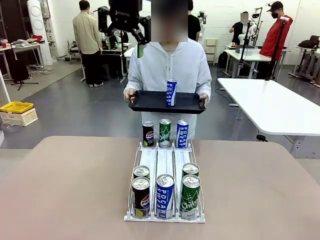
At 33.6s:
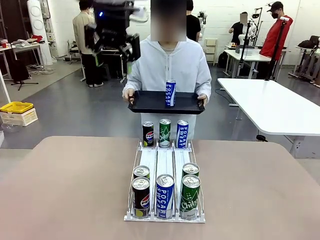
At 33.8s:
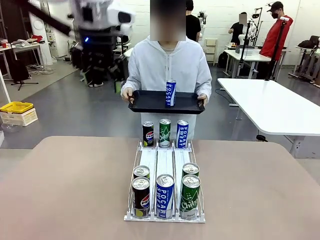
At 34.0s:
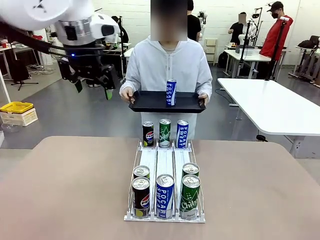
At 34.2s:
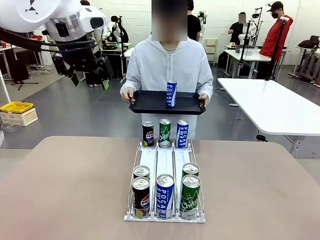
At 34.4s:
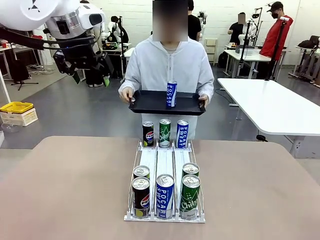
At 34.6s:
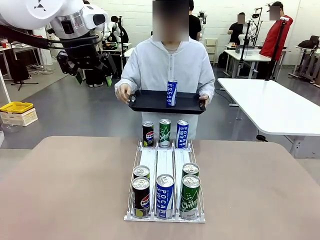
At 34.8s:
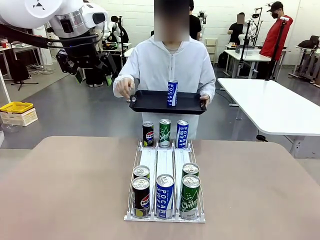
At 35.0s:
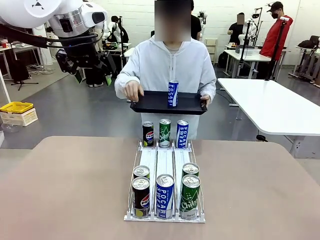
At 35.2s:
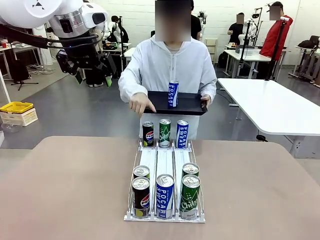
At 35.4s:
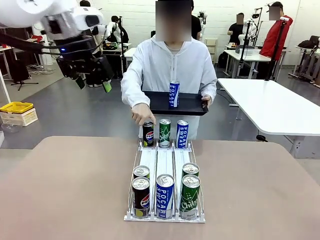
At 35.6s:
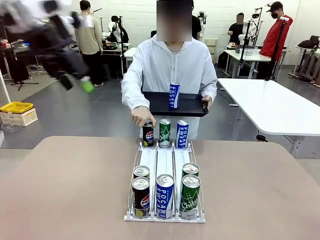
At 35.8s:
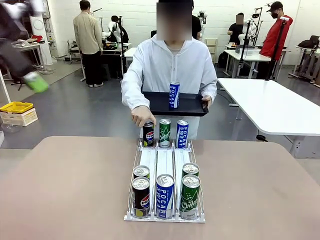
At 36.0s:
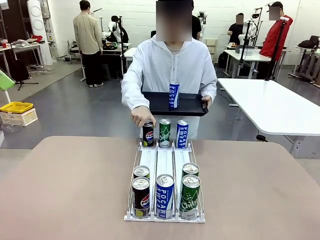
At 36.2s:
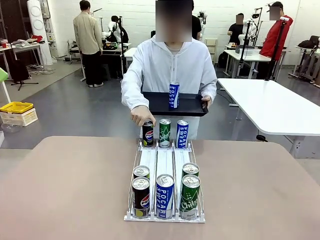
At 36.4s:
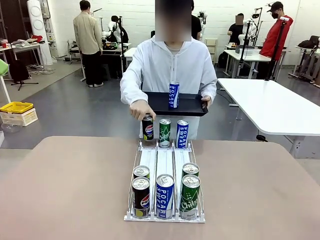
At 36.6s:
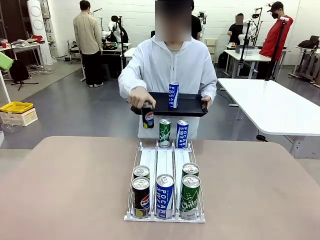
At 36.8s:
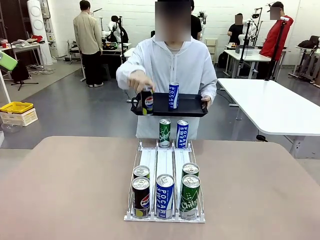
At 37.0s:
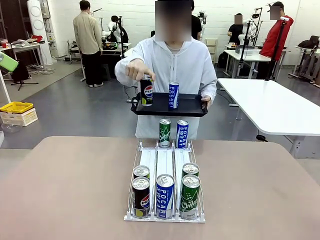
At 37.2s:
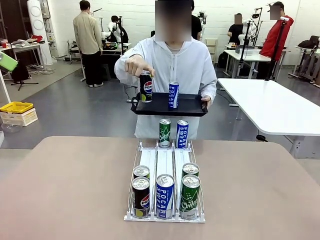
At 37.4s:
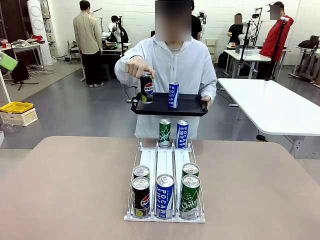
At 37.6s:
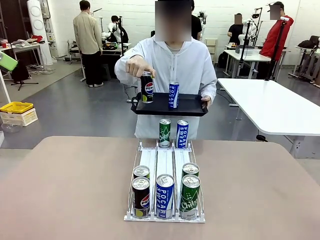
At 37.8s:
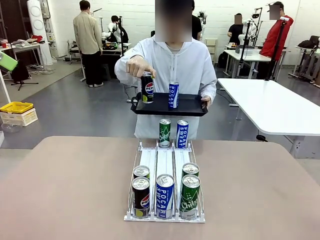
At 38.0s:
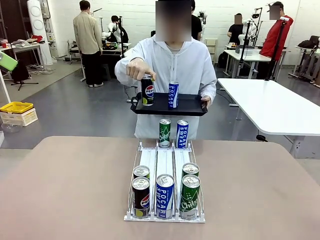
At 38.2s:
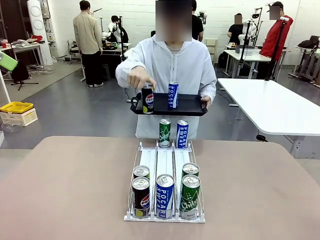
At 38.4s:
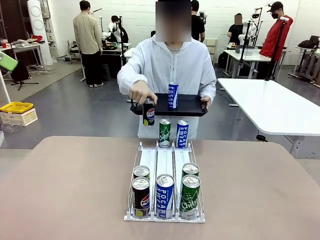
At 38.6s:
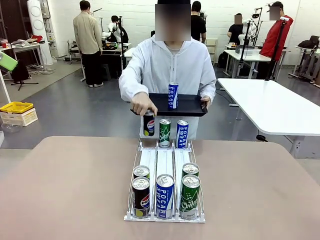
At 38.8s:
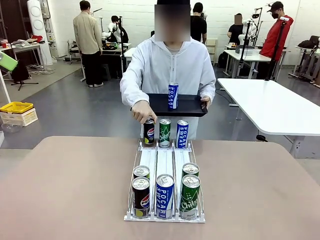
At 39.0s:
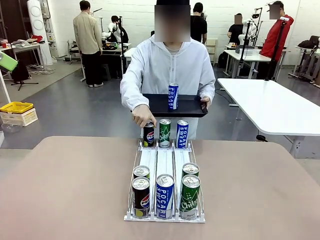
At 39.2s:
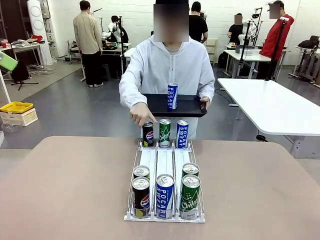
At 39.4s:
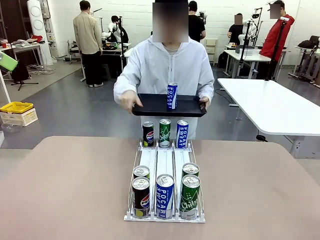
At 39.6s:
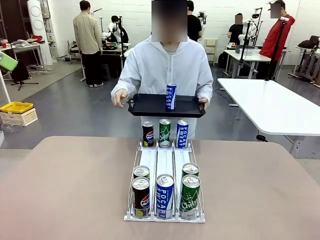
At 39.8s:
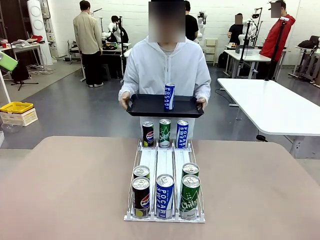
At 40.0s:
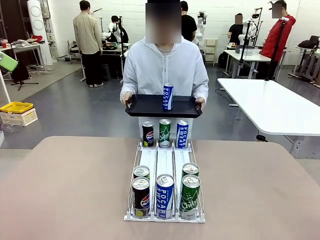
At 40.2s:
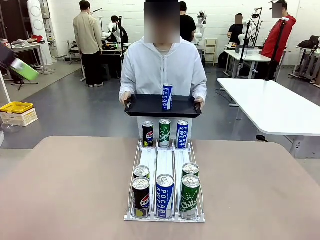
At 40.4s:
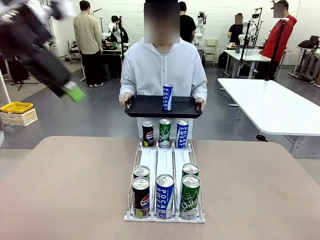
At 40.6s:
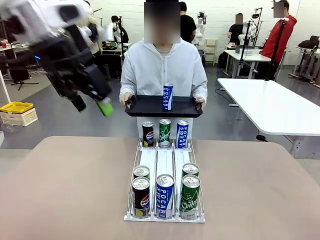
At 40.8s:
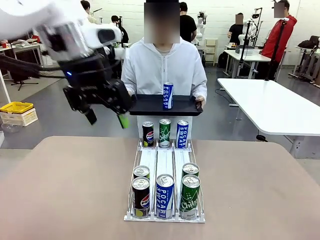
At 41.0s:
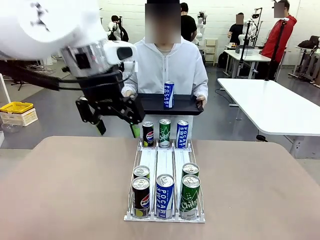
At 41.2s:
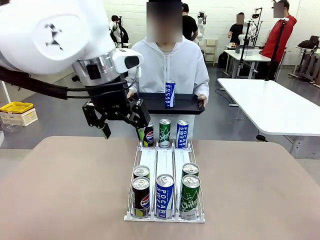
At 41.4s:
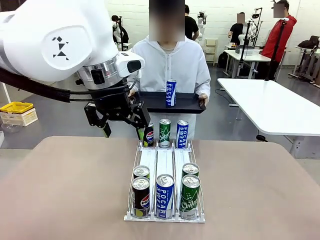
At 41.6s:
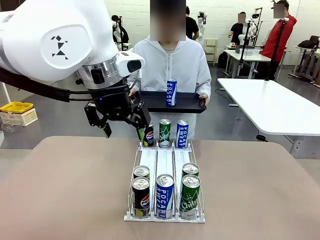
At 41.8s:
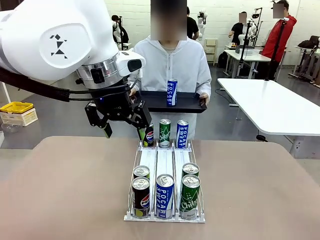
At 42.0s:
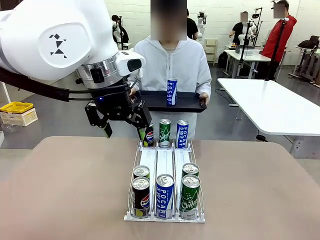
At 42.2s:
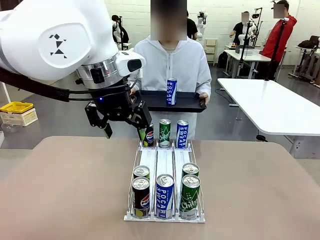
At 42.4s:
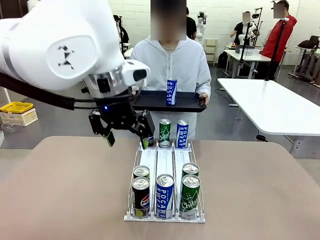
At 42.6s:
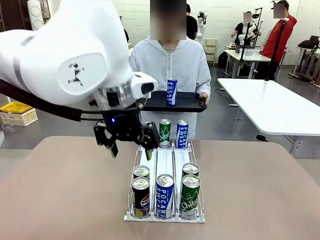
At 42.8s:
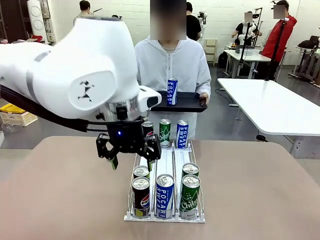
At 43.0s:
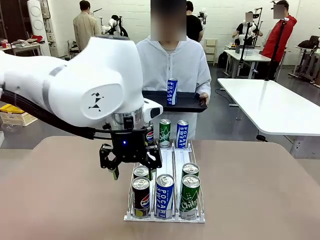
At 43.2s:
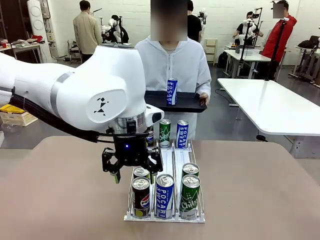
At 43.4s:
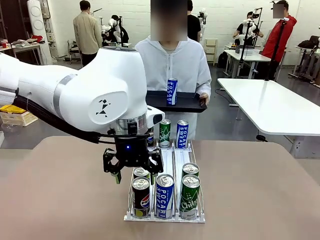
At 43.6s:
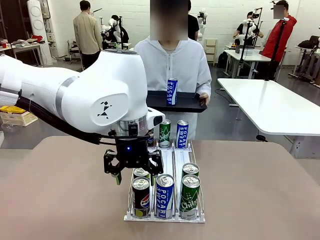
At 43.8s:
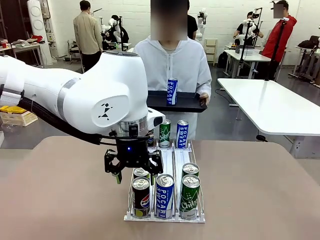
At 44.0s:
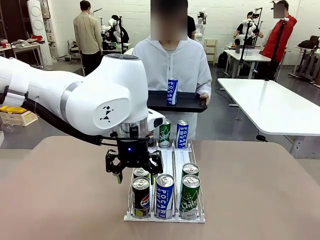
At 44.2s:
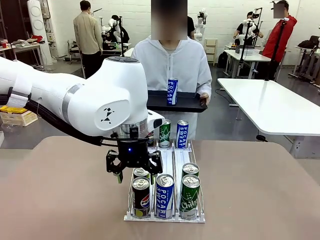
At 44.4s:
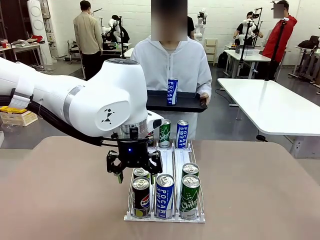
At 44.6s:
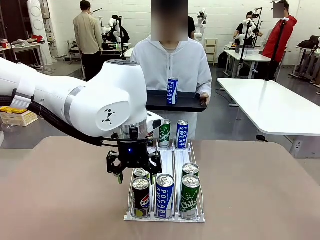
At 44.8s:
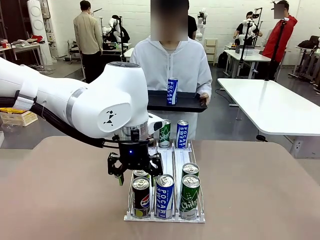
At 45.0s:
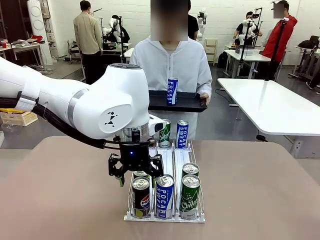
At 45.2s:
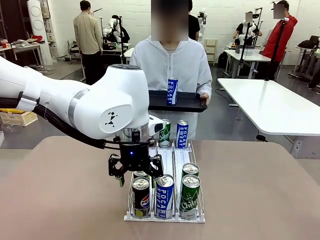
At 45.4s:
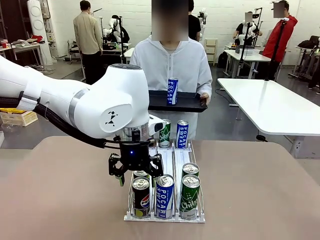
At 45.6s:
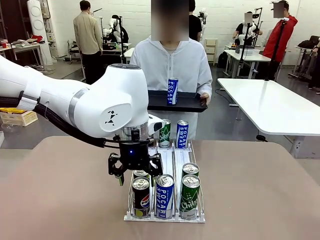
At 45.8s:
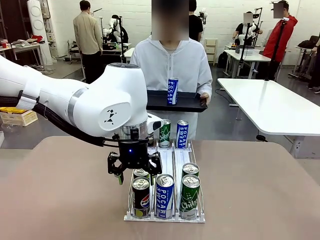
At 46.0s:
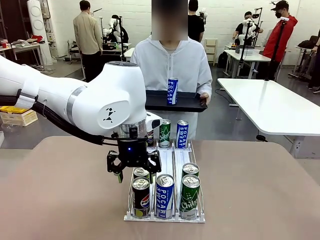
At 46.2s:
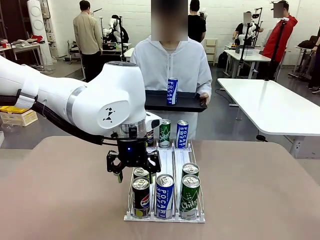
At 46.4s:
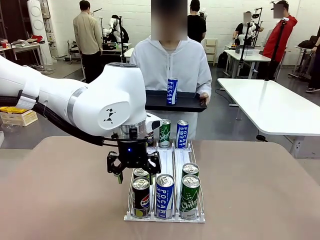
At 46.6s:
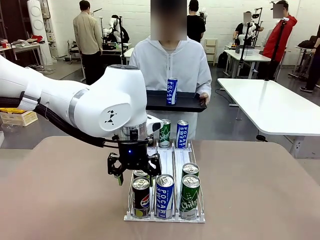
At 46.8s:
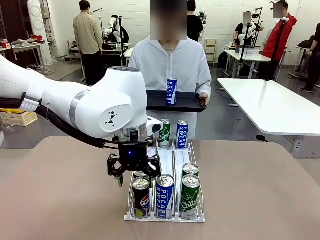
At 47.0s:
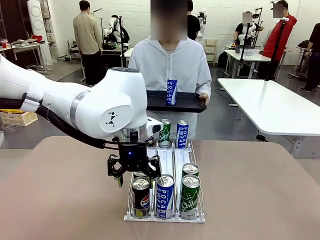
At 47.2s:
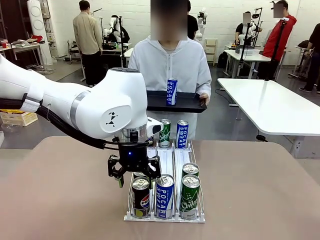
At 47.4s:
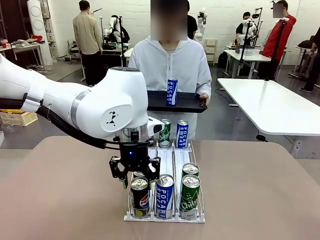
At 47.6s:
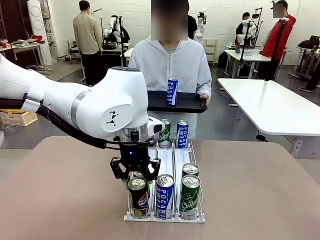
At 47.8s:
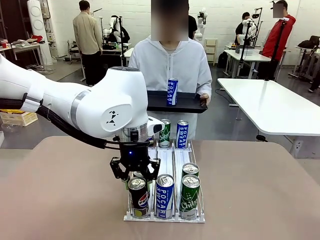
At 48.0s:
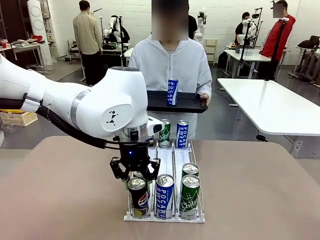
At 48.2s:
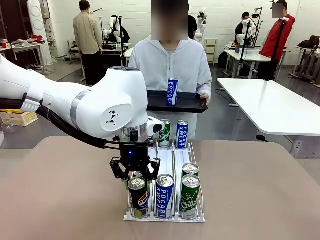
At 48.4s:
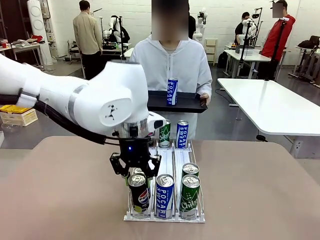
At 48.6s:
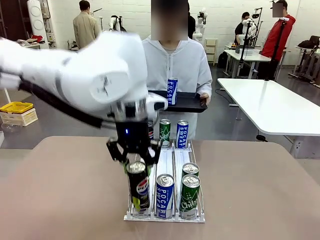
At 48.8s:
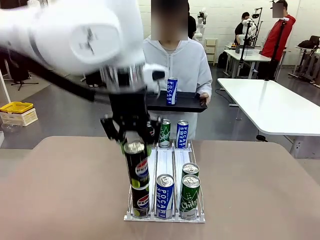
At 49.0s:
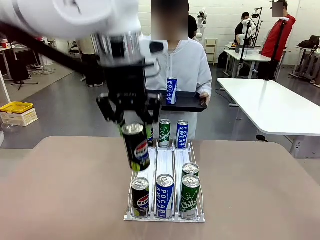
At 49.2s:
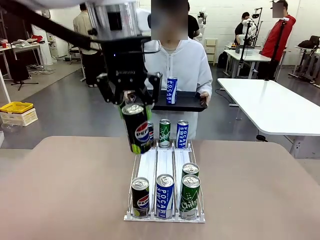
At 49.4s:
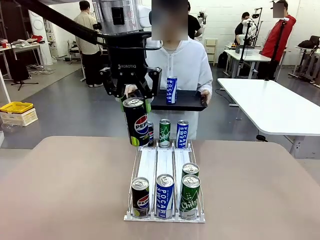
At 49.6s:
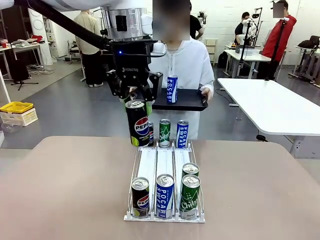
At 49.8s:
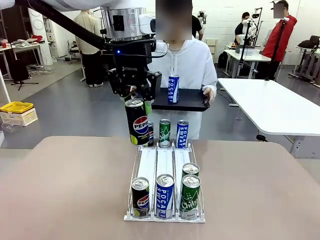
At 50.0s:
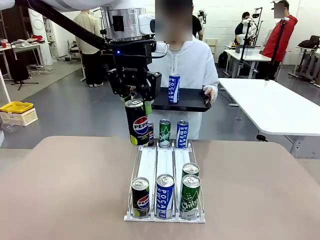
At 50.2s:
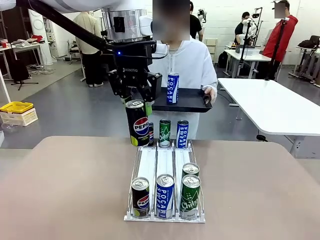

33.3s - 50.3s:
Task: Retrieve and hand over the desired beverage to the person.
Robot: Pick up another can of the same type that the person held from the Automatic Can Dispenser.
Person: Push the tray toward the robot again.

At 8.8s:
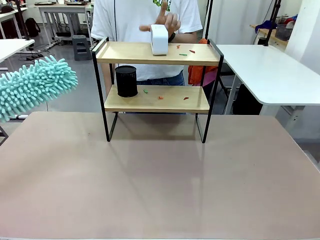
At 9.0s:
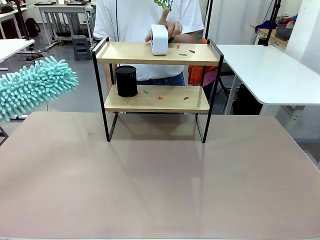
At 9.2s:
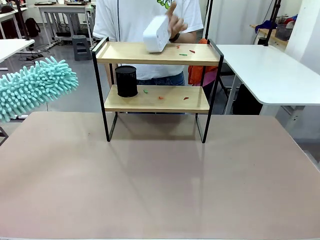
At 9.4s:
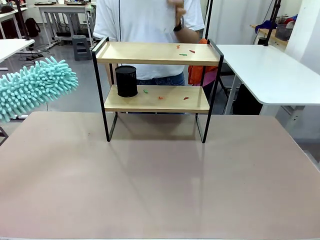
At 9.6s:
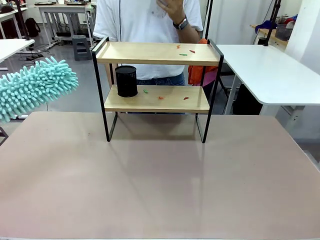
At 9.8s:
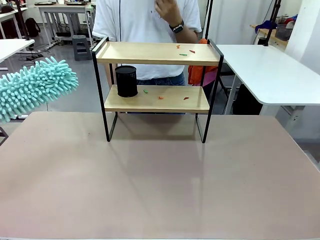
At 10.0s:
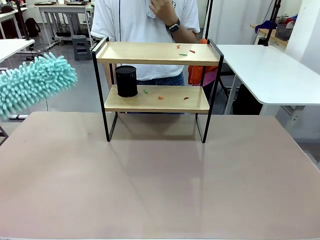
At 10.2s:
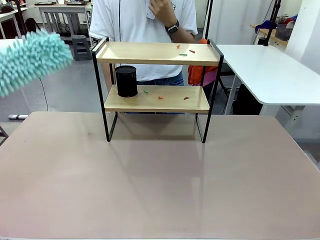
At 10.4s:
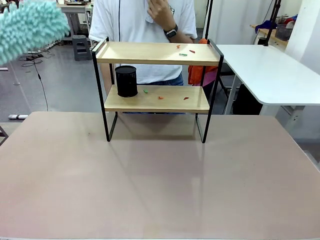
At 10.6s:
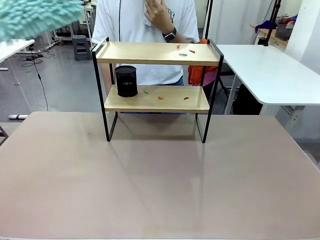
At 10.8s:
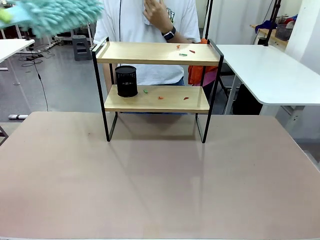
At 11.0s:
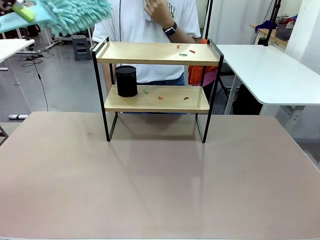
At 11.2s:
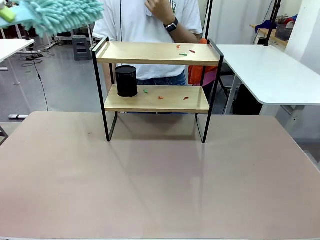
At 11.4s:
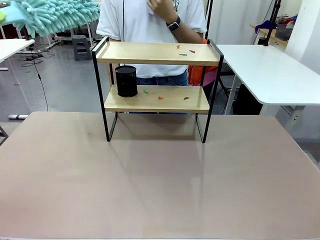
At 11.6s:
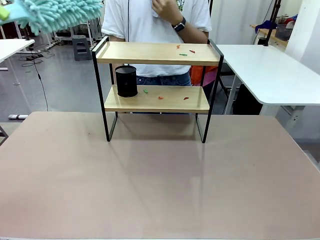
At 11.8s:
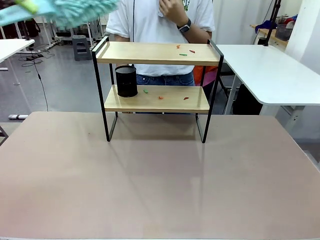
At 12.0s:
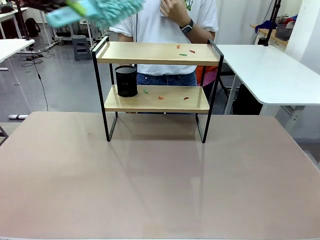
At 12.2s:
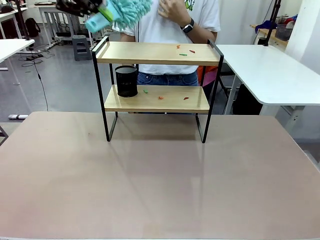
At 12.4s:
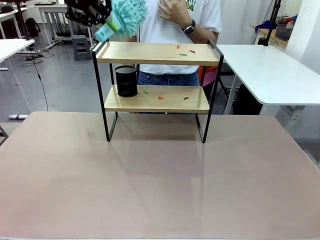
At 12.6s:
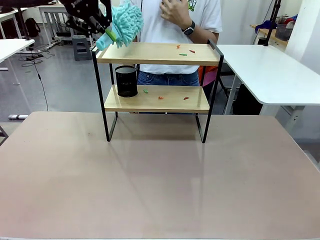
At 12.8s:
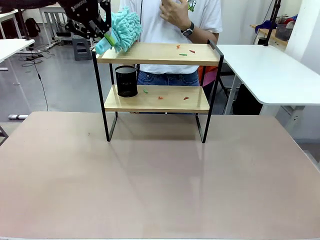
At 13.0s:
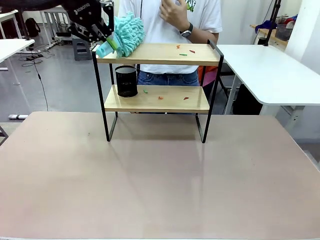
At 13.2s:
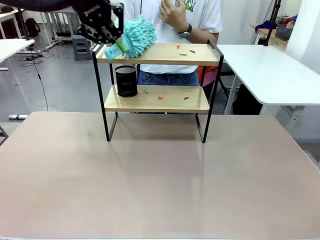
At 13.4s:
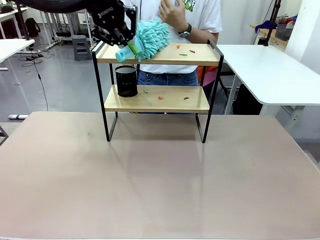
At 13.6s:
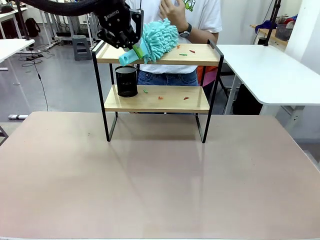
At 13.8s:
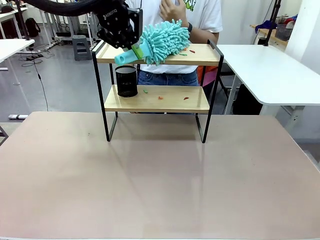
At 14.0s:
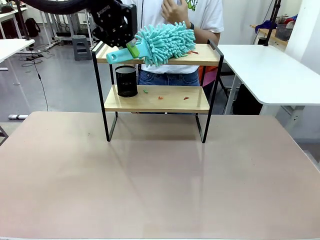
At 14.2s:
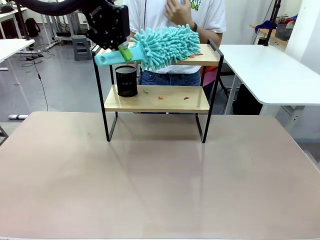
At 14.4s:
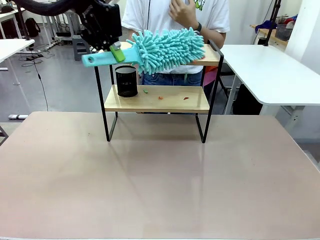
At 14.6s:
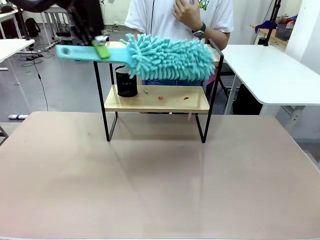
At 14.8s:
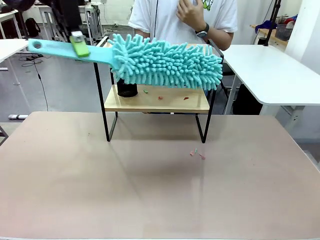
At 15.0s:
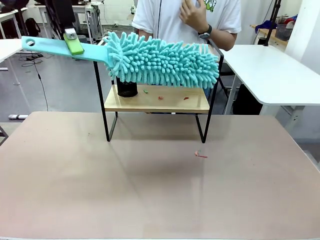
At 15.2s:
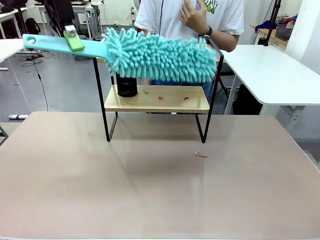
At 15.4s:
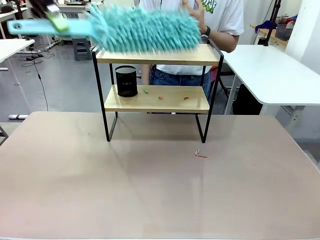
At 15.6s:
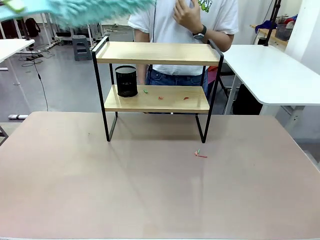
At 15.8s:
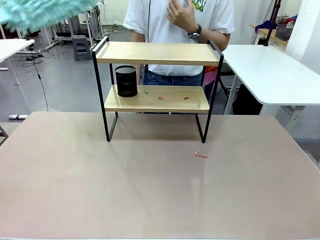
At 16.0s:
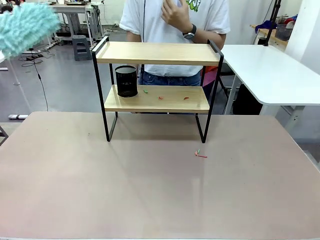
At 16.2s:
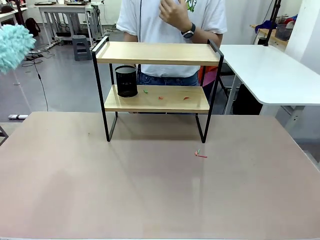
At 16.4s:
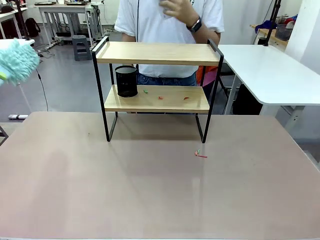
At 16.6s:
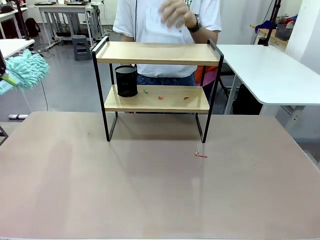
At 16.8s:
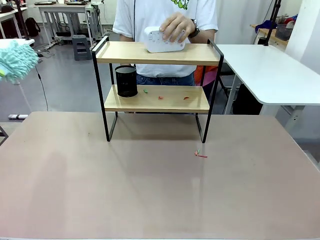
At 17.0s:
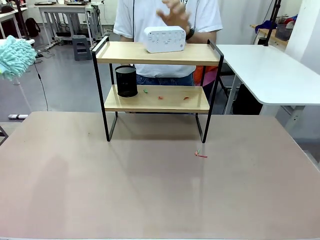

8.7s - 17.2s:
Task: Clean the shelf.
Robot: Clean the specific tier of the Shelf with the Duster once objects are removed.
Person: Lift the objects on a randomly selected tier of the Shelf. Once the robot finishes cleaning, lift the objects on the remaining tiers of the Shelf.
